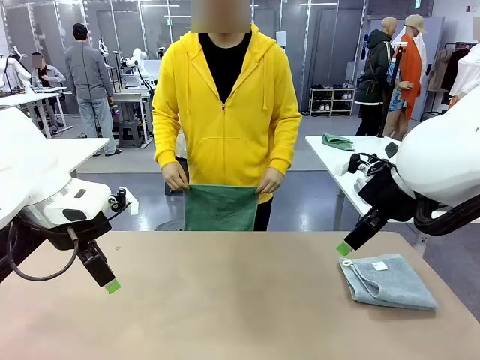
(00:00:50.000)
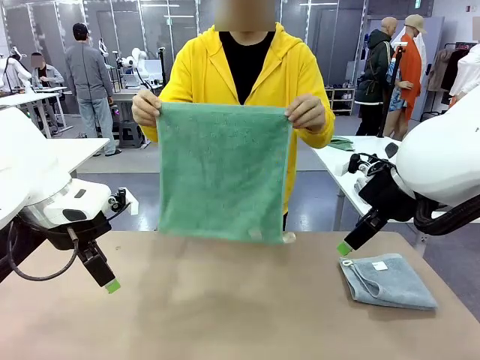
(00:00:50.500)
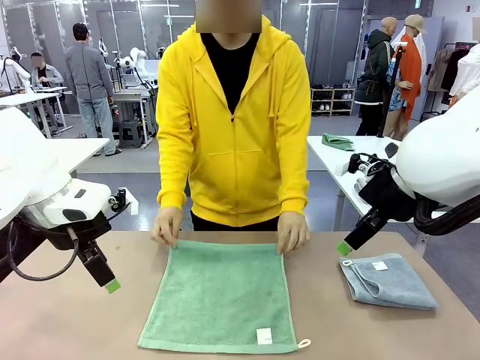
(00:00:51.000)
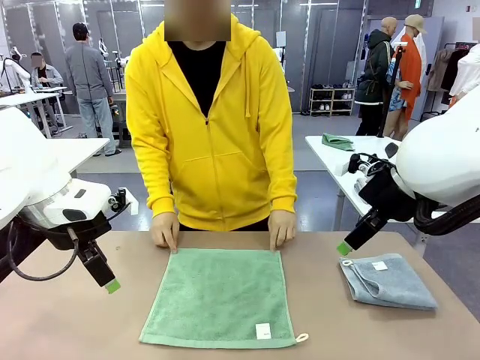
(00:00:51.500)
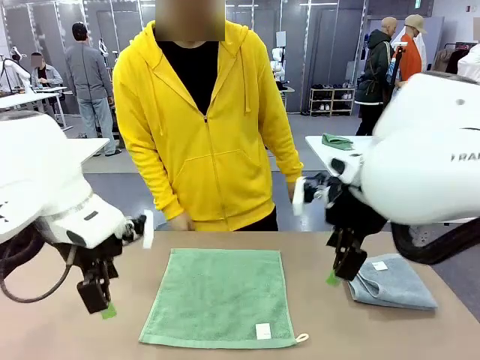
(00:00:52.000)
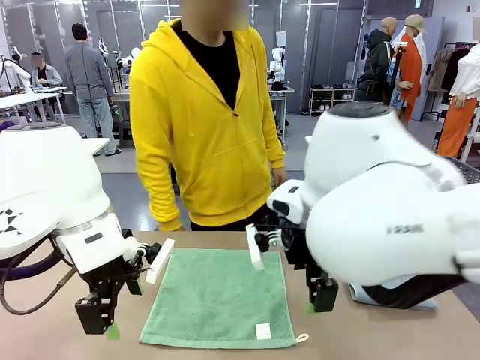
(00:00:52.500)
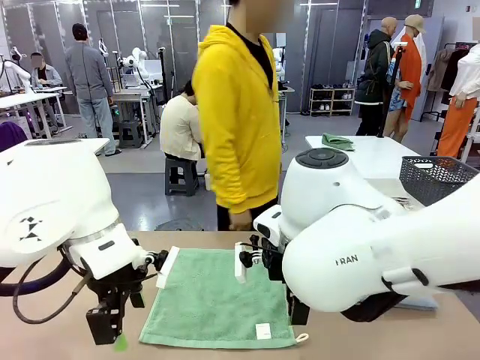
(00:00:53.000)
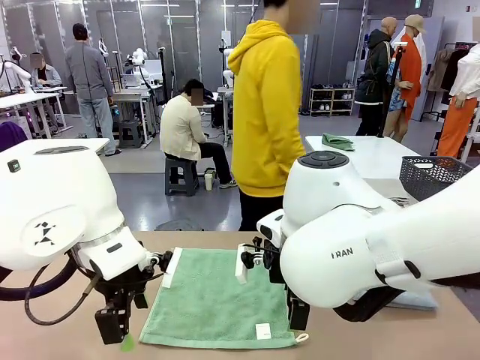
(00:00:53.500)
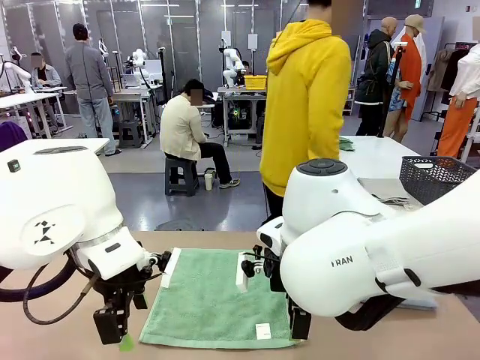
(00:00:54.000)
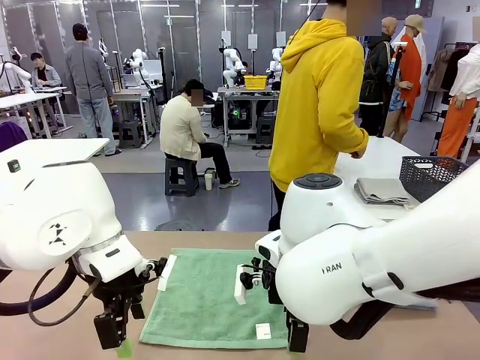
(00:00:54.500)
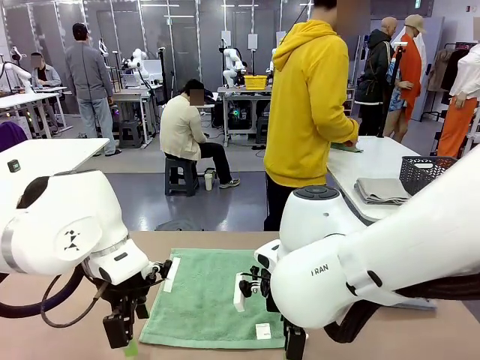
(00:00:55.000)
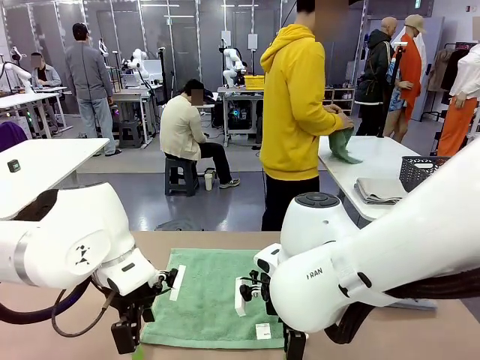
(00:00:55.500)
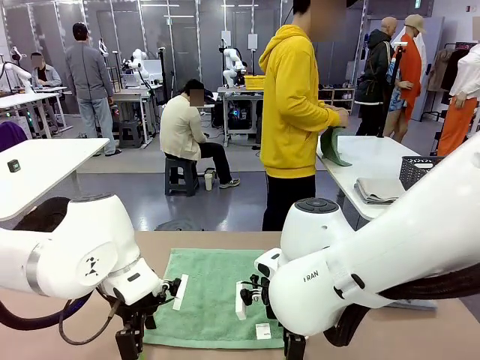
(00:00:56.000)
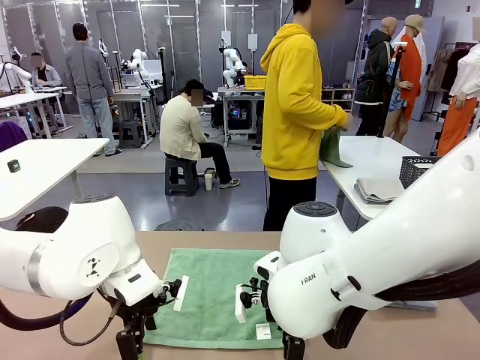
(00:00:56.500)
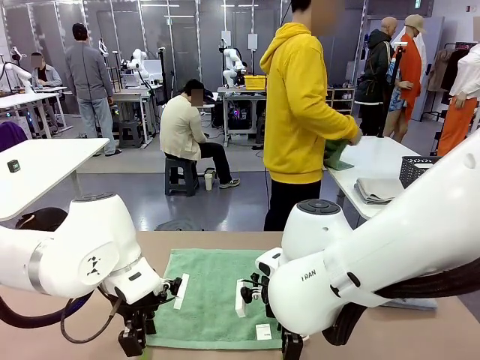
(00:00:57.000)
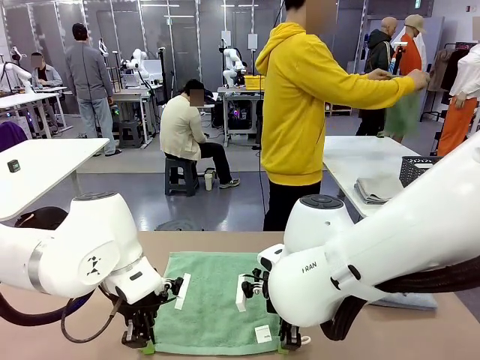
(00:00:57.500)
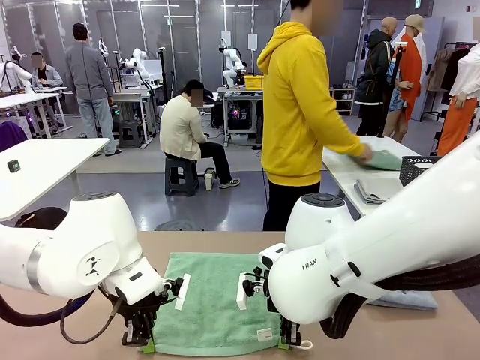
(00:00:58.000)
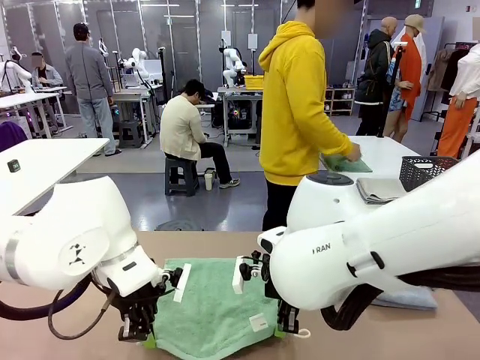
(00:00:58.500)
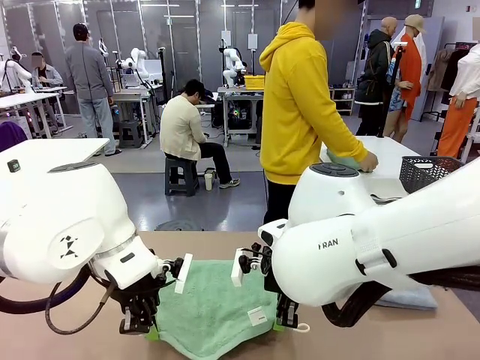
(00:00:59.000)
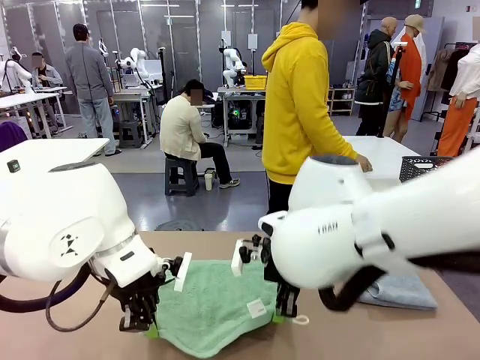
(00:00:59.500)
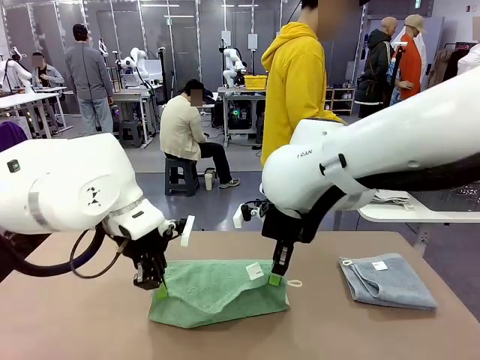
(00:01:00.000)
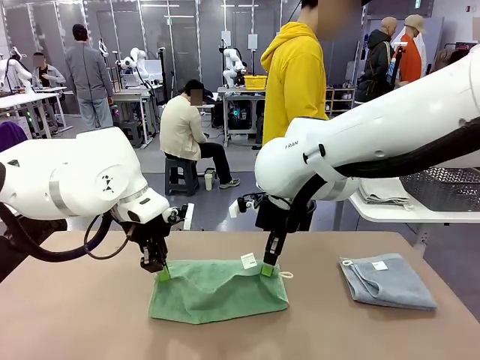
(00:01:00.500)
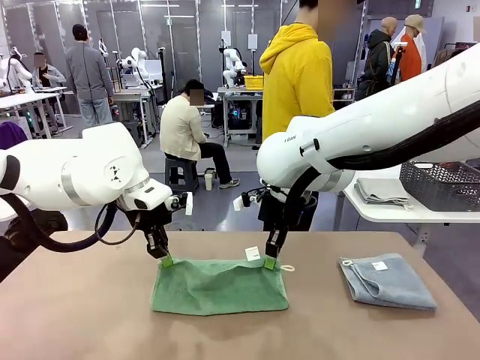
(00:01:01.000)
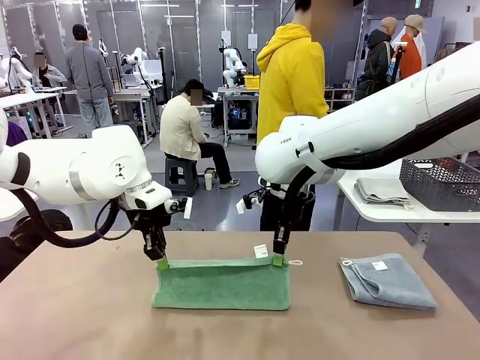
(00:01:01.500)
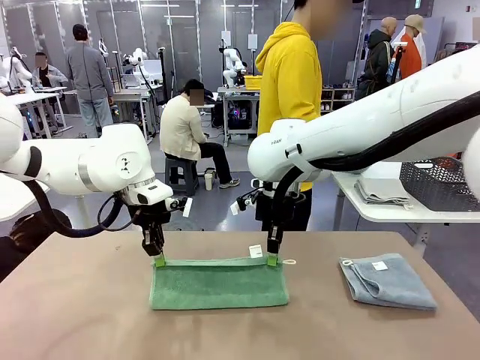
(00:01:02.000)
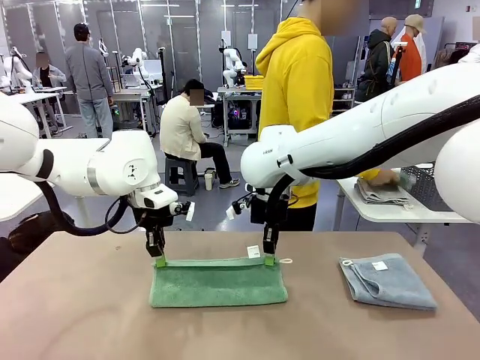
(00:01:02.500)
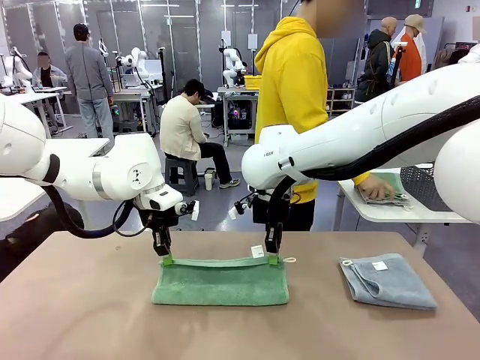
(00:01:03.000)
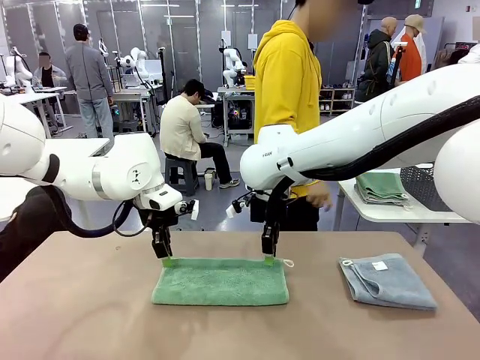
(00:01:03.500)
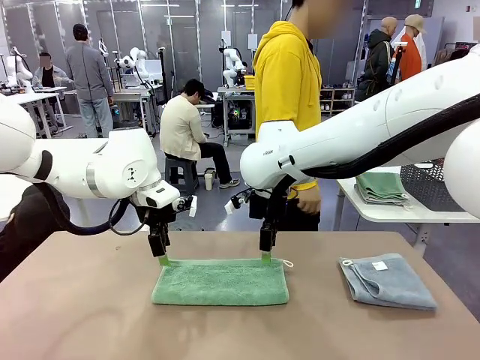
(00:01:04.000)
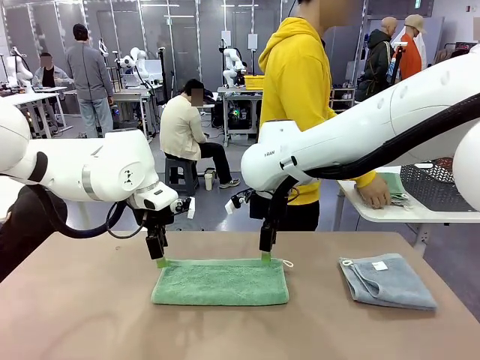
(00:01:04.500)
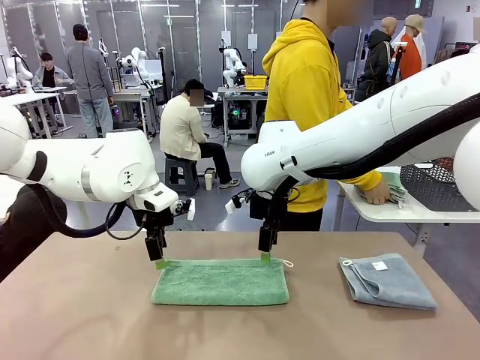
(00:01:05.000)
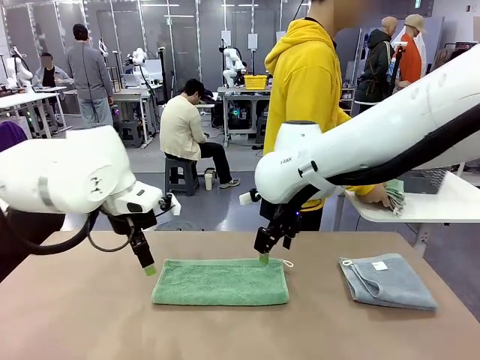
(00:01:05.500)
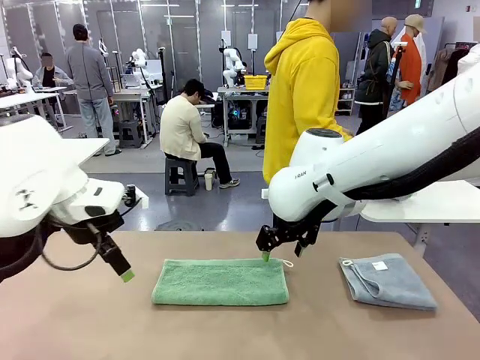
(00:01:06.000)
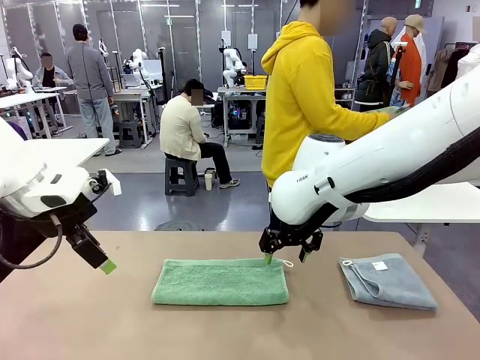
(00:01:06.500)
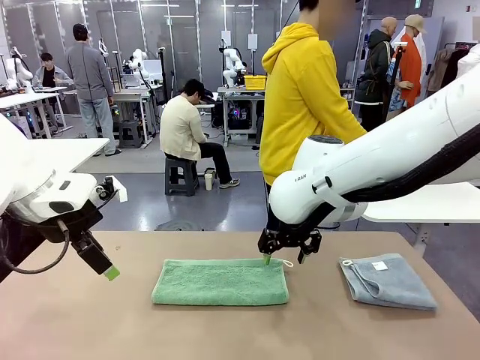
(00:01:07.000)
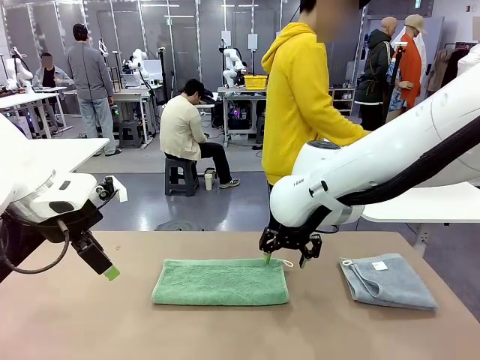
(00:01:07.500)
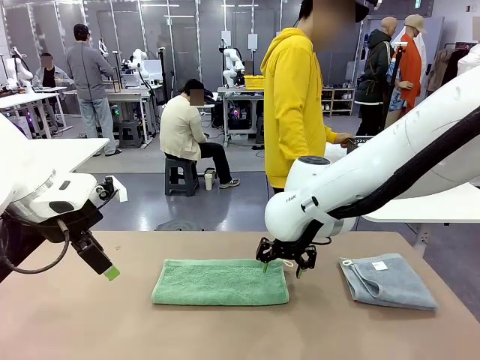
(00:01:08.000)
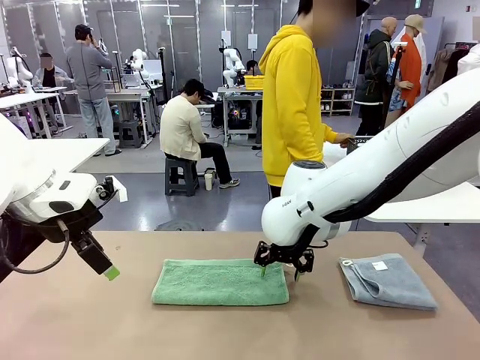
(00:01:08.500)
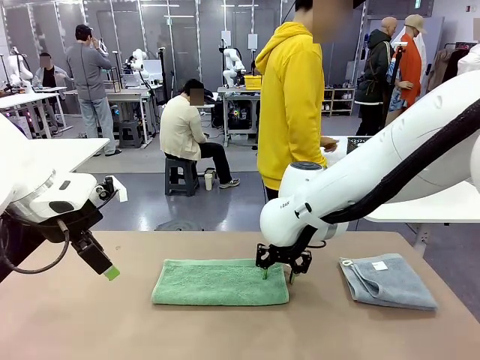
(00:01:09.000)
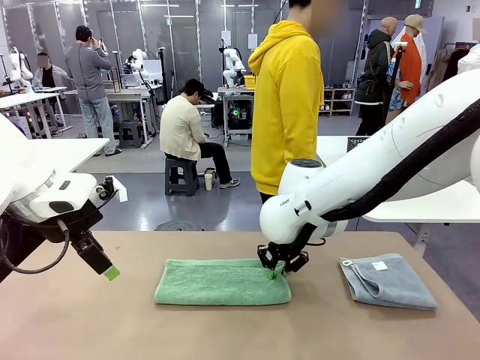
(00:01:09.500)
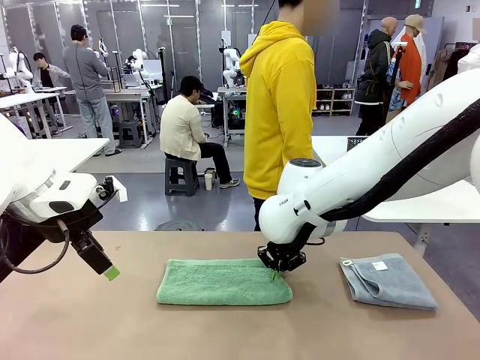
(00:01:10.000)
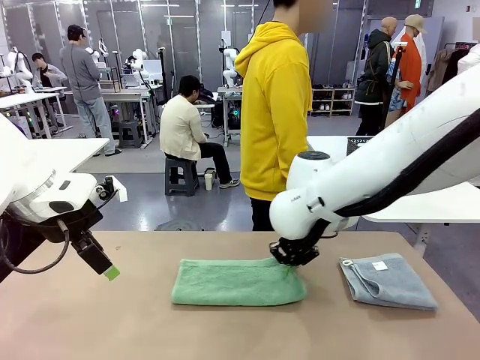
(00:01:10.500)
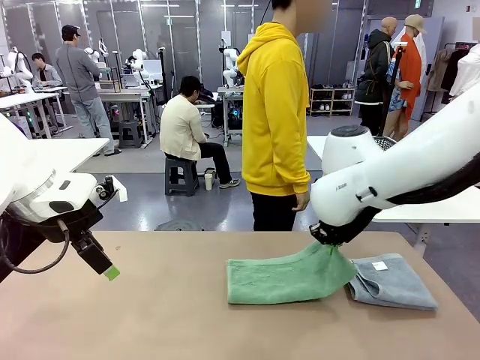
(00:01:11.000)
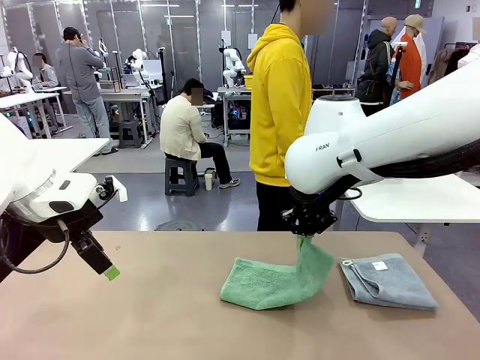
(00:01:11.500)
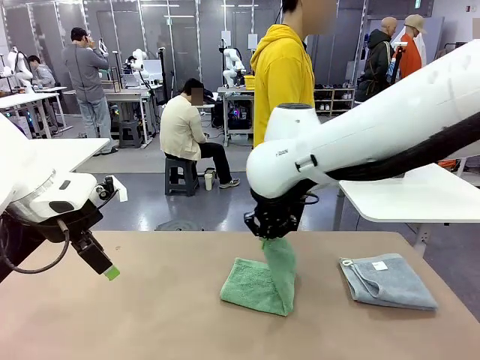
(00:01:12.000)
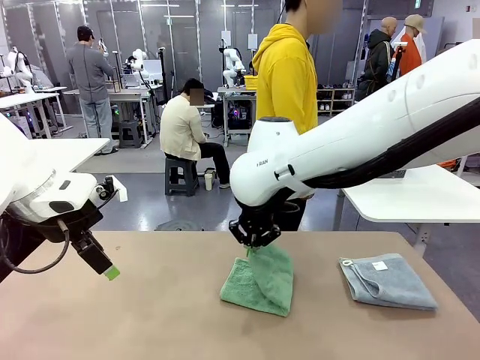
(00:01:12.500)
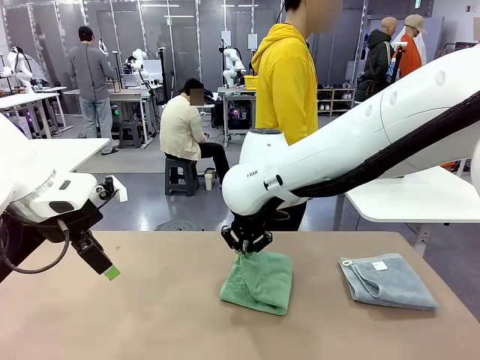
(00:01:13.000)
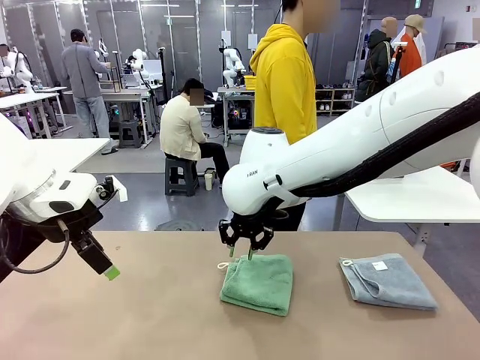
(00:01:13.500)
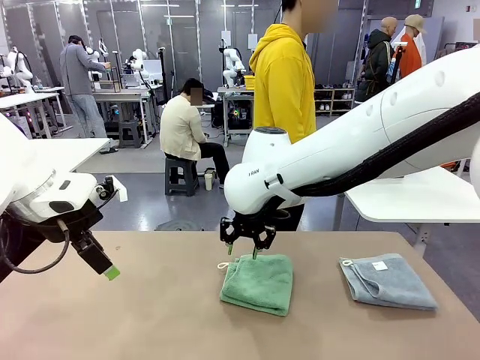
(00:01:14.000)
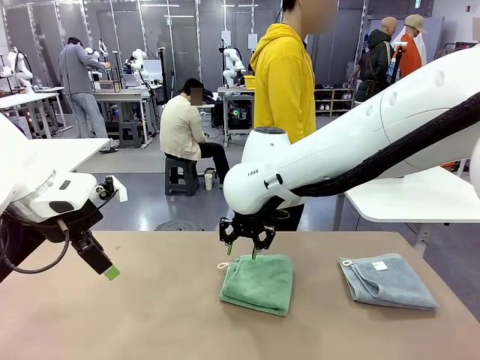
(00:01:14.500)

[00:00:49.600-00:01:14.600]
Task: Fold the towels and place them in the basket.
Robot: When a person lays out a Towel with hook on the table, fold it in half twice.
Person: Pick up one towel from the left side of the human table, fold it in half twice, and stack it on the right side of the table. Pick up the stack of towels from the right side of the human table, place it into the basket, and put the basket at the center of the table.

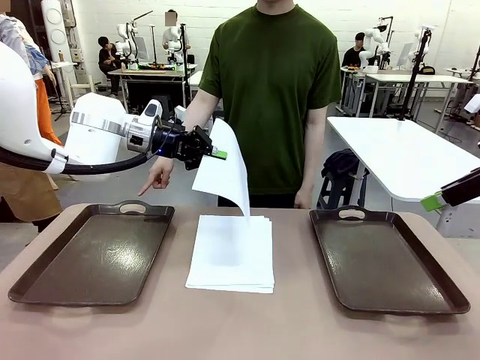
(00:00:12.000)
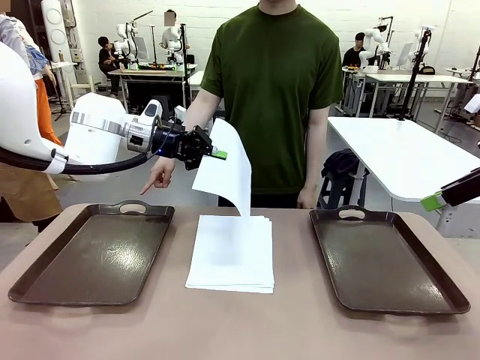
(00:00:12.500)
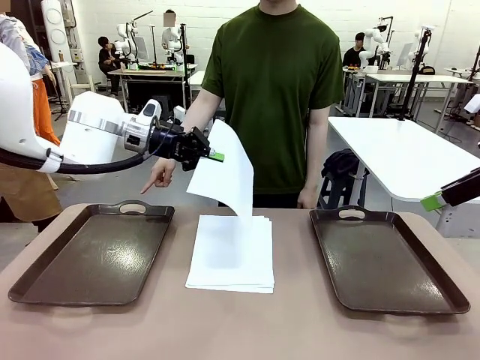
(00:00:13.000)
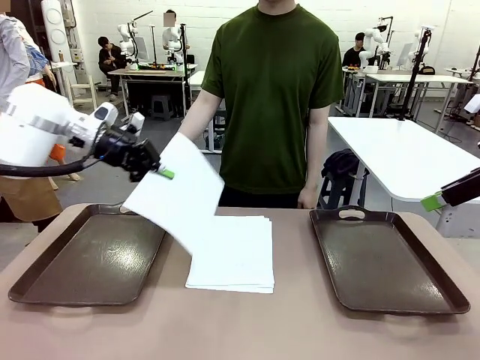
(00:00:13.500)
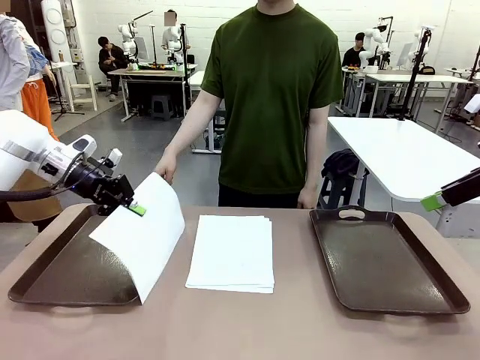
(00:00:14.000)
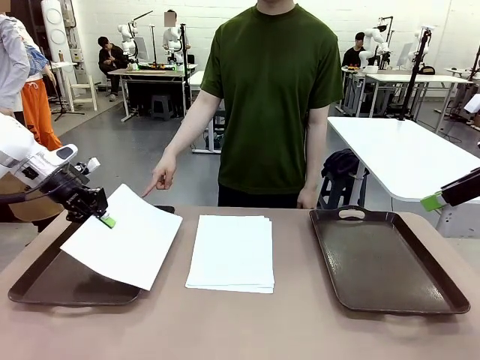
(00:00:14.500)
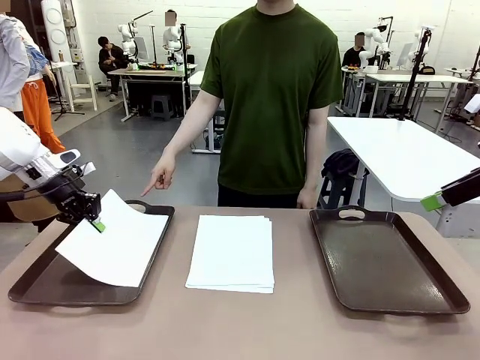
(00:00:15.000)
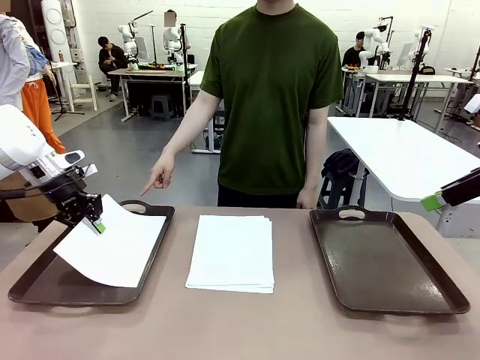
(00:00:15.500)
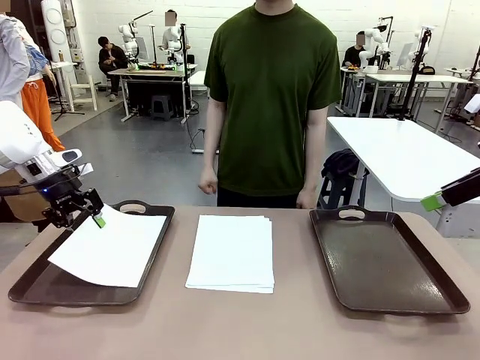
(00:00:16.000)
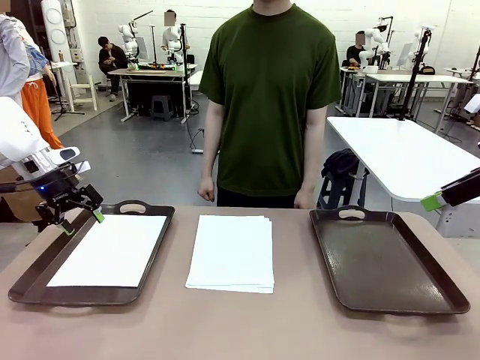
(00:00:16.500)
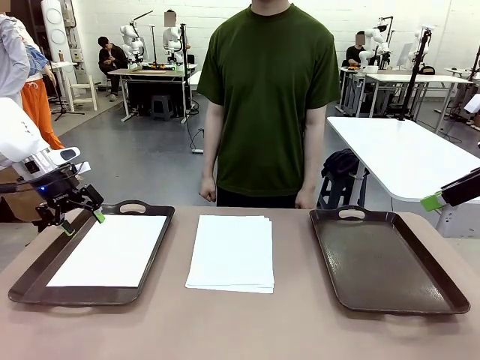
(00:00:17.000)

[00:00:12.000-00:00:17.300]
Task: Sort the A4 documents.
Robot: Place the A4 Paper in the designated Handle tray.
